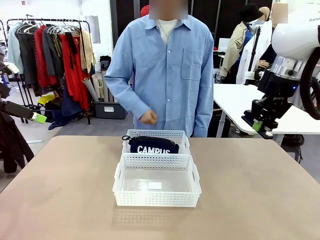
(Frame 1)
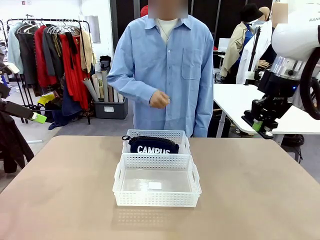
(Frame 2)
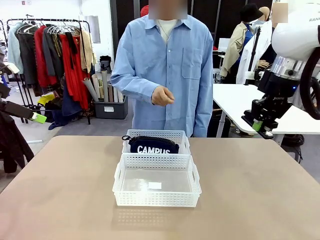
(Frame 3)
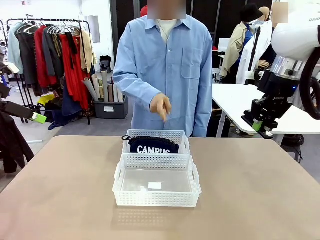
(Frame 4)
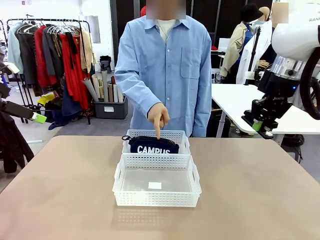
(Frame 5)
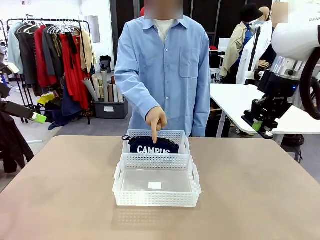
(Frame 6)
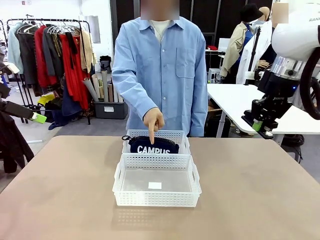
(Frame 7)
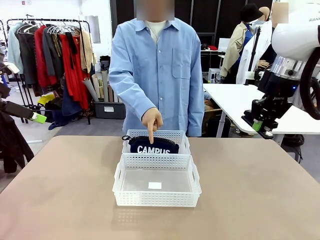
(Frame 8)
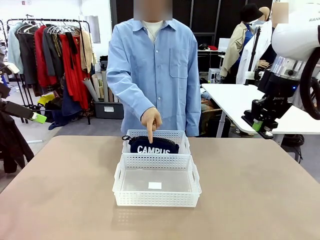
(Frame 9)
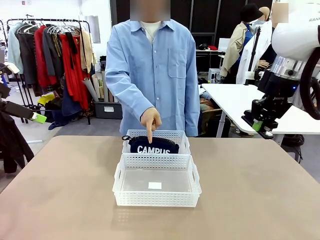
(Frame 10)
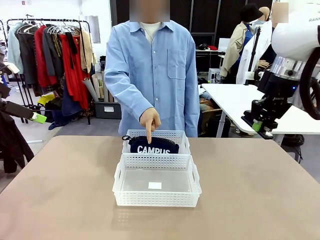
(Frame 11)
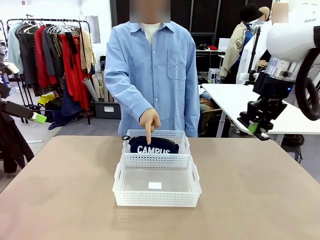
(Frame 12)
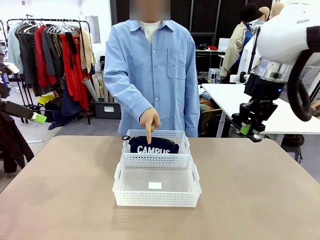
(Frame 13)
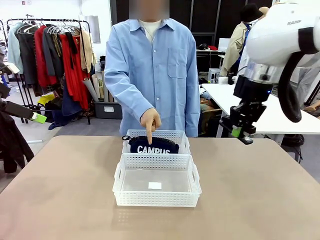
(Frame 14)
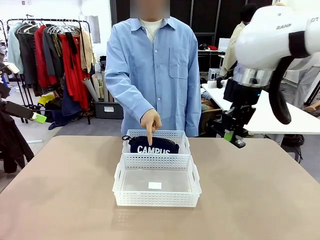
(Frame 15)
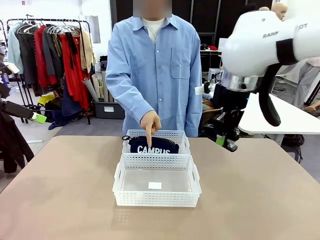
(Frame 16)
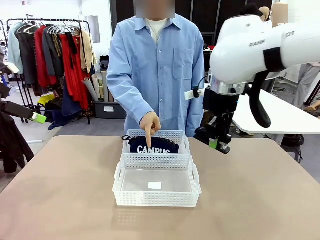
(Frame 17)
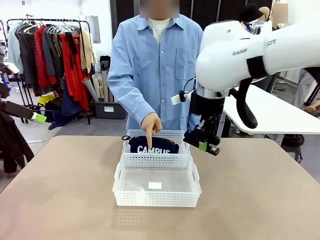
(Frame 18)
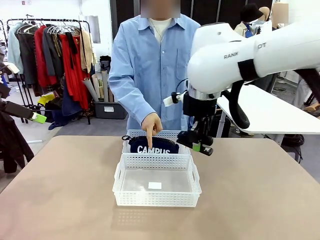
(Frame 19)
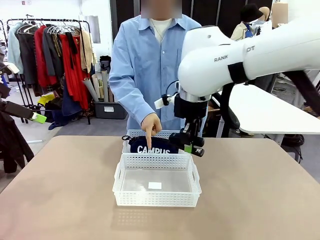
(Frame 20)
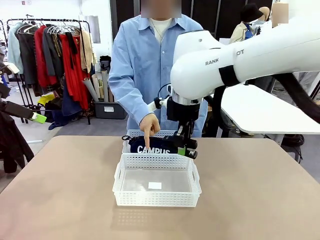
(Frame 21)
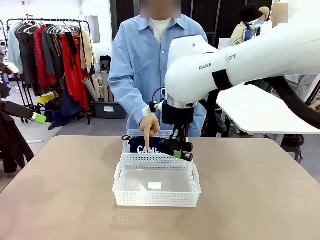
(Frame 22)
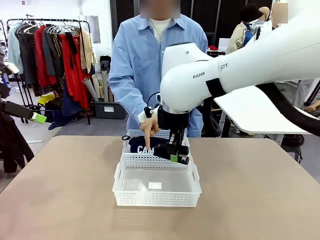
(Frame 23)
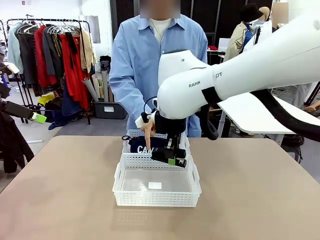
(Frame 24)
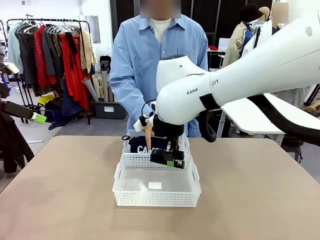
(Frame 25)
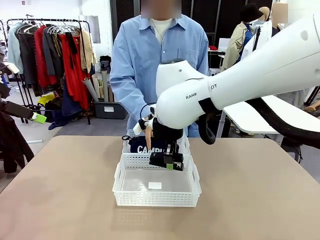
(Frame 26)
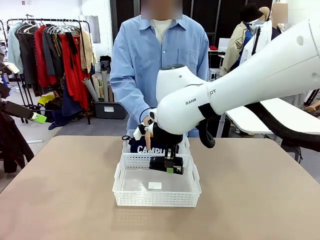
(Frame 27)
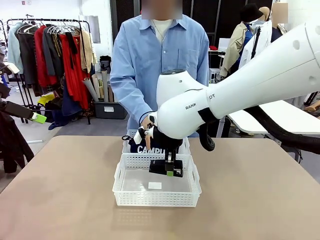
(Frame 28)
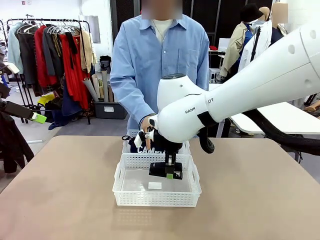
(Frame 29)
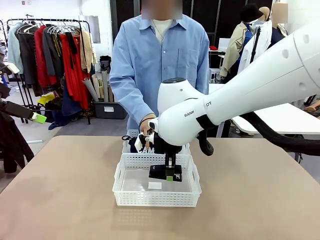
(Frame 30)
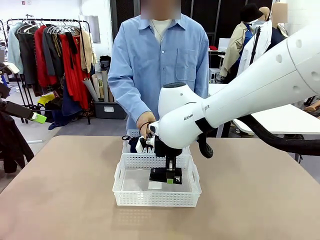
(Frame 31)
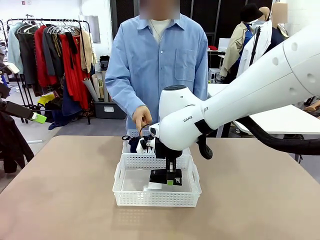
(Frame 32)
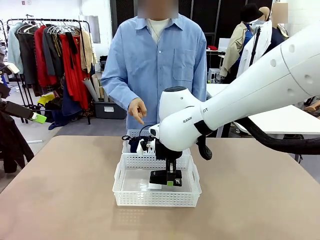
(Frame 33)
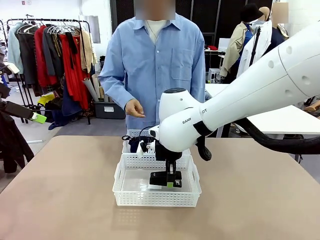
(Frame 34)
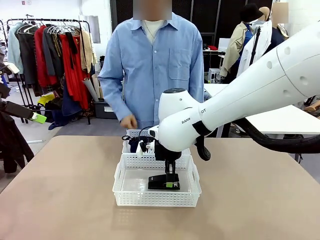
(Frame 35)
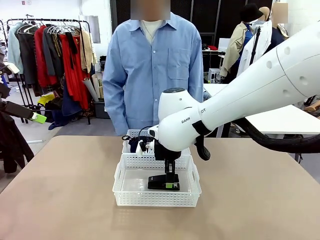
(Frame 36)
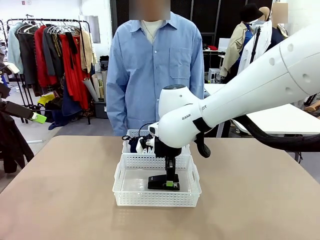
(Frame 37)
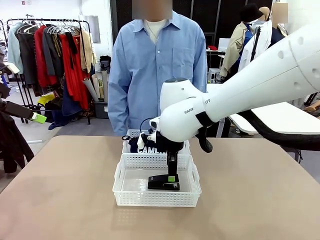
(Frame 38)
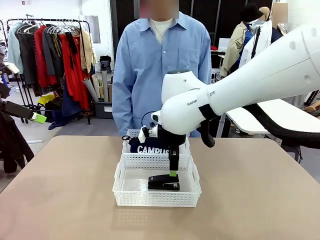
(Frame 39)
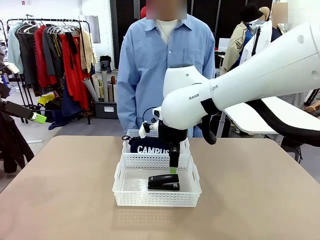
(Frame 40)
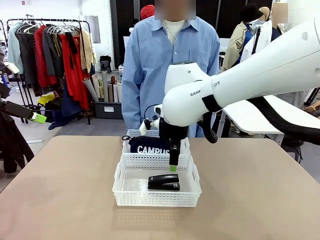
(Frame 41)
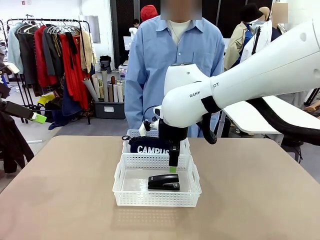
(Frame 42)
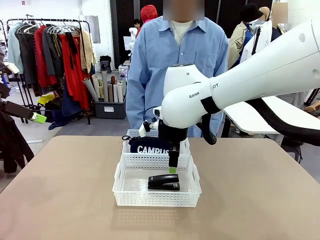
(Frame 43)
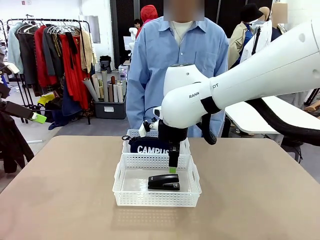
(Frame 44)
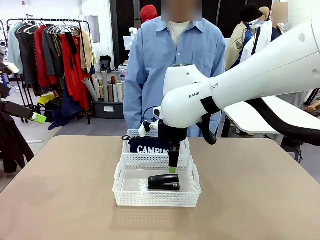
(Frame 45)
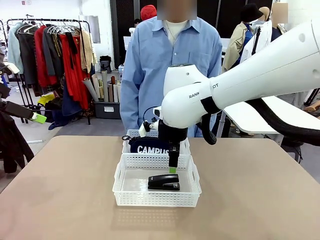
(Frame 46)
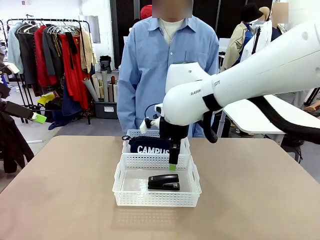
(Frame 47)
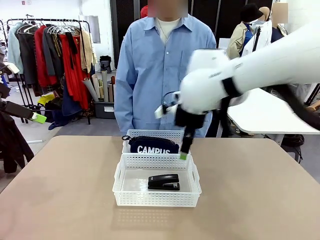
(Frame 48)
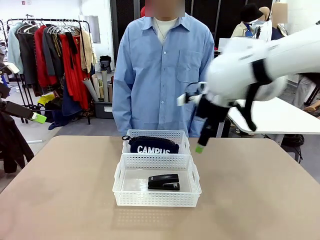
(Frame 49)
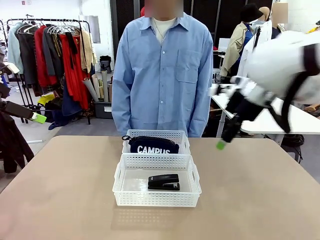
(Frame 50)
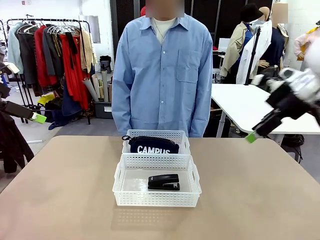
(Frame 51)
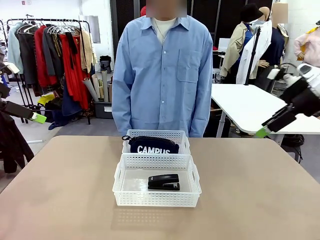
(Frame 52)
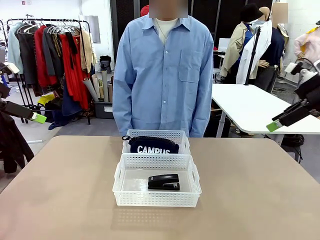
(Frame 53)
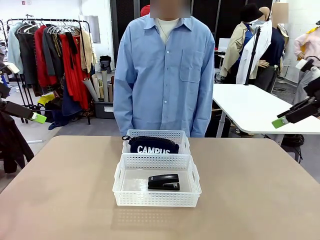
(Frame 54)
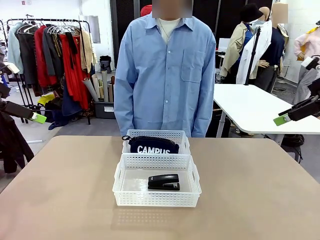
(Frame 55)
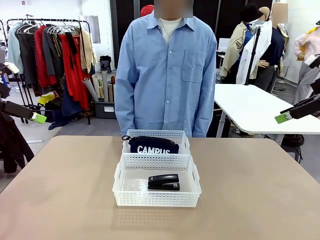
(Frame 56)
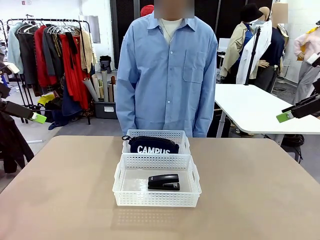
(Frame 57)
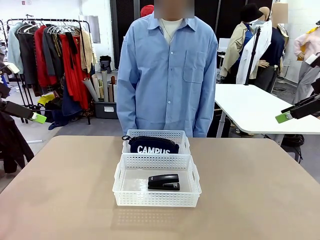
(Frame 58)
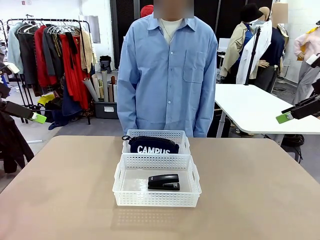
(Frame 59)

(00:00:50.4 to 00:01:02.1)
Task: Distribute items into two baskets.
Robot: Place the picked Stapler into the Organizing basket as instructed by the person.
Person: Points to the basket that does not contain the pencil case and instructs the robot to move the stapler there.

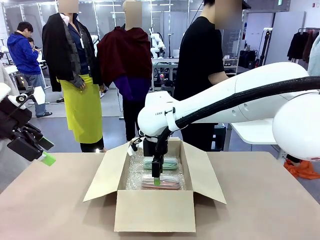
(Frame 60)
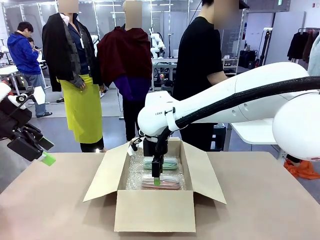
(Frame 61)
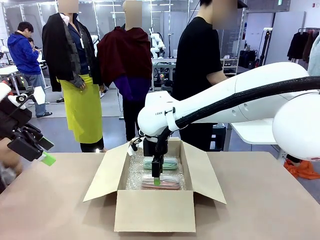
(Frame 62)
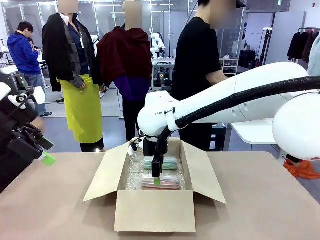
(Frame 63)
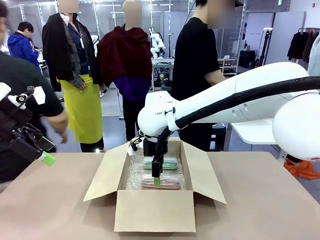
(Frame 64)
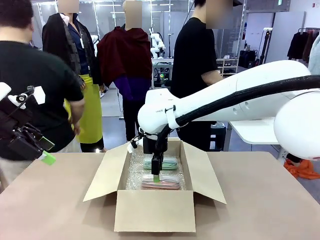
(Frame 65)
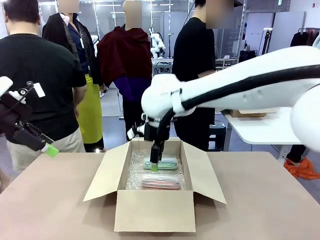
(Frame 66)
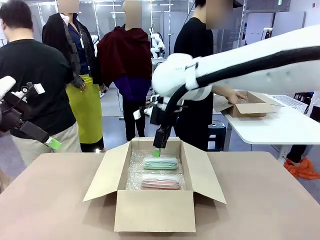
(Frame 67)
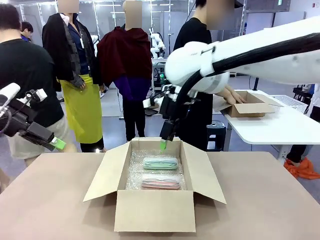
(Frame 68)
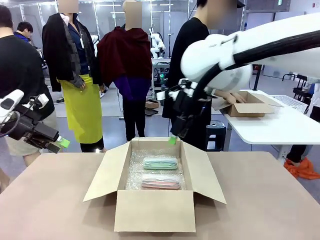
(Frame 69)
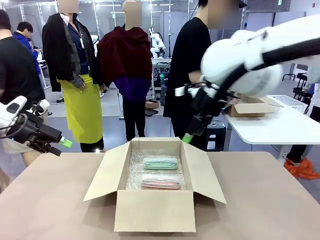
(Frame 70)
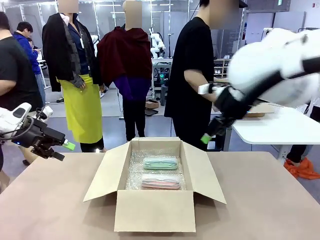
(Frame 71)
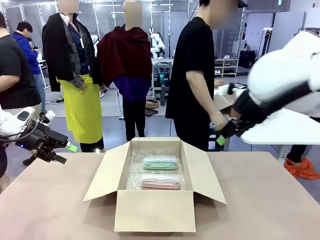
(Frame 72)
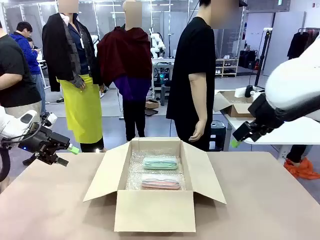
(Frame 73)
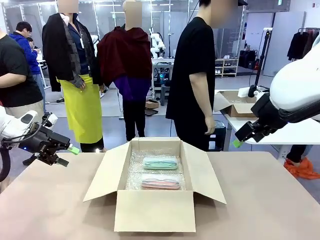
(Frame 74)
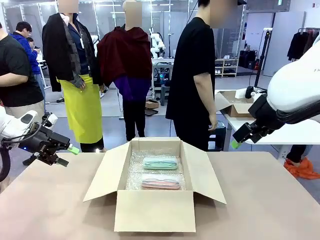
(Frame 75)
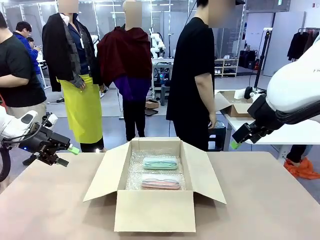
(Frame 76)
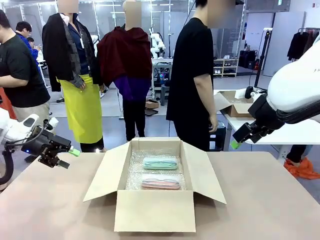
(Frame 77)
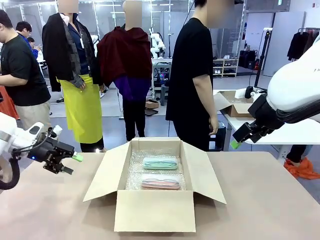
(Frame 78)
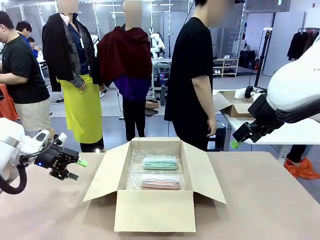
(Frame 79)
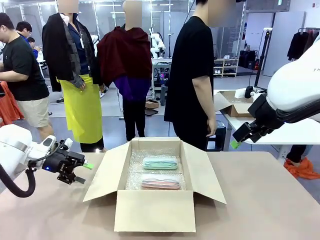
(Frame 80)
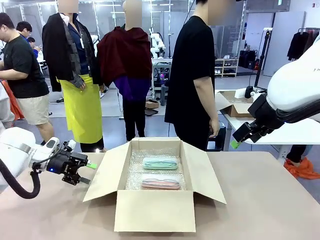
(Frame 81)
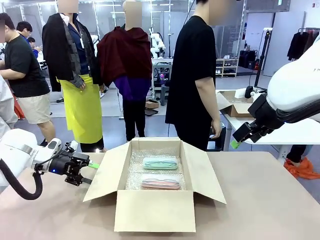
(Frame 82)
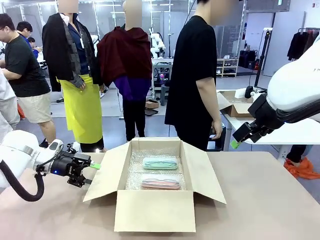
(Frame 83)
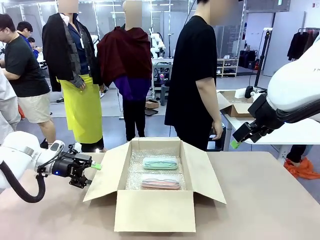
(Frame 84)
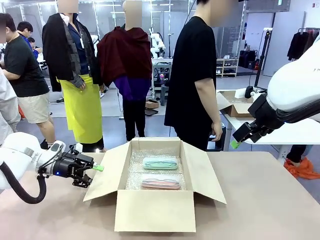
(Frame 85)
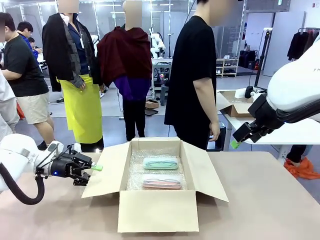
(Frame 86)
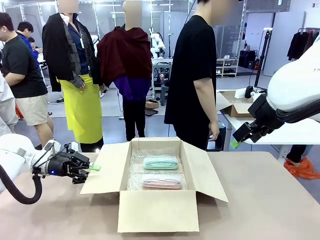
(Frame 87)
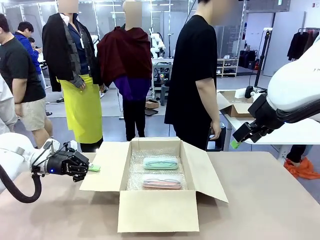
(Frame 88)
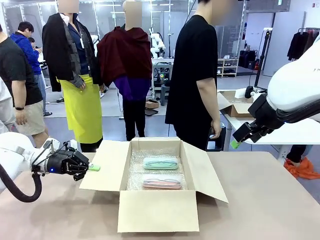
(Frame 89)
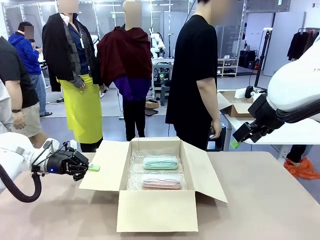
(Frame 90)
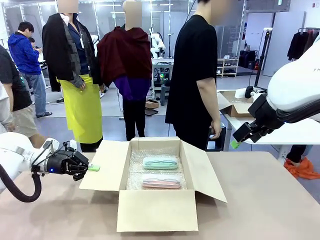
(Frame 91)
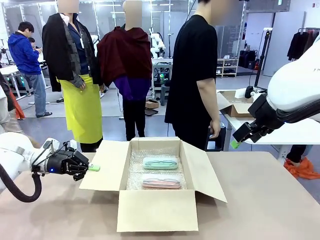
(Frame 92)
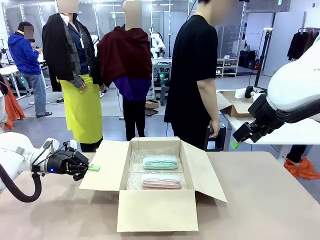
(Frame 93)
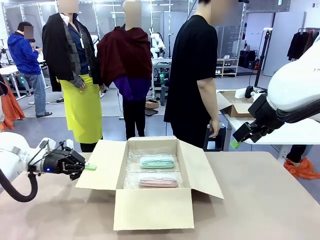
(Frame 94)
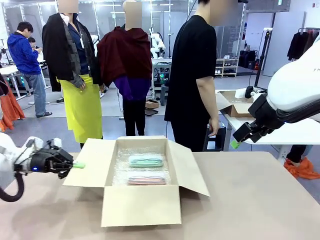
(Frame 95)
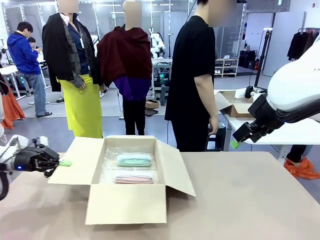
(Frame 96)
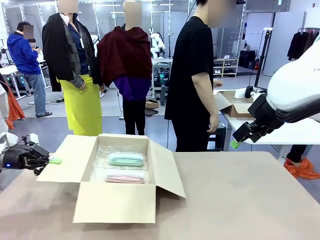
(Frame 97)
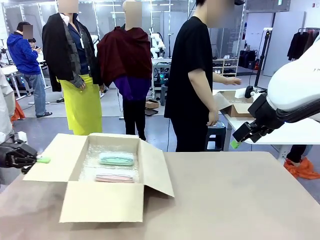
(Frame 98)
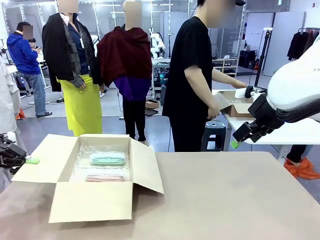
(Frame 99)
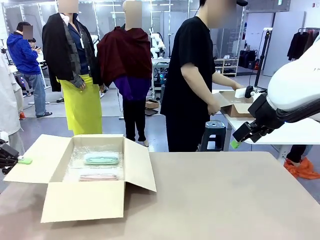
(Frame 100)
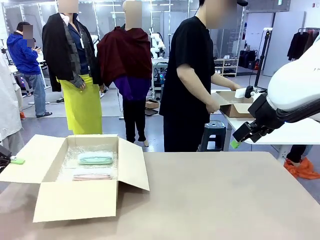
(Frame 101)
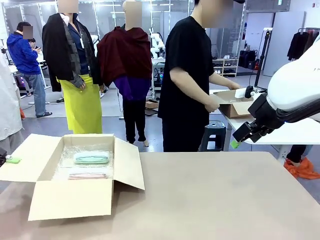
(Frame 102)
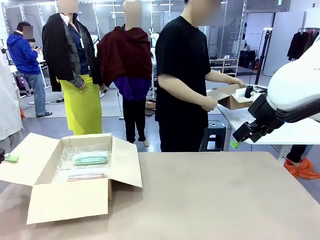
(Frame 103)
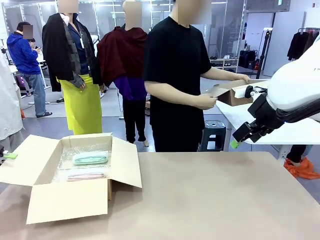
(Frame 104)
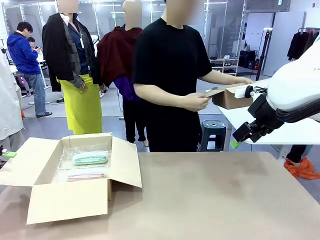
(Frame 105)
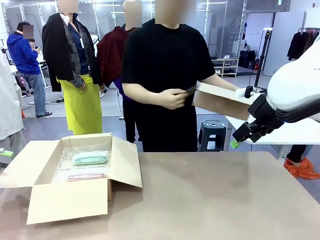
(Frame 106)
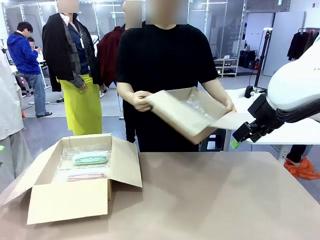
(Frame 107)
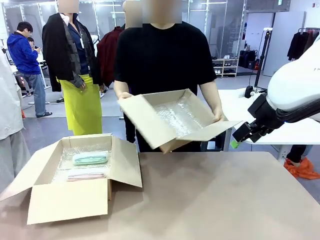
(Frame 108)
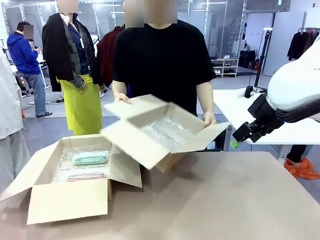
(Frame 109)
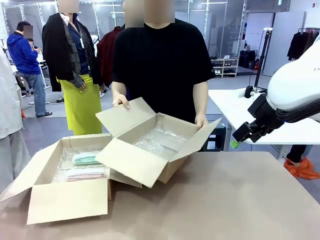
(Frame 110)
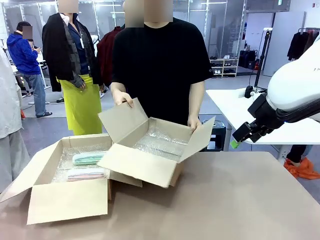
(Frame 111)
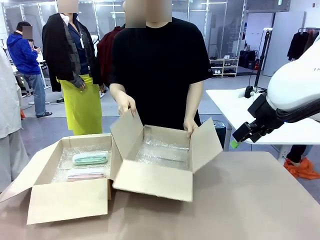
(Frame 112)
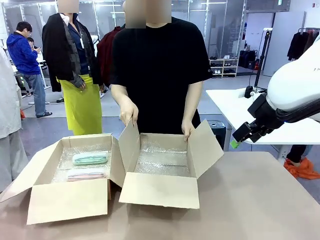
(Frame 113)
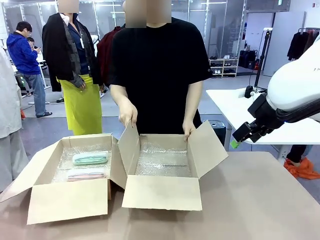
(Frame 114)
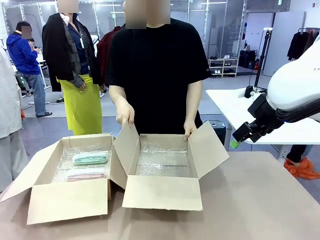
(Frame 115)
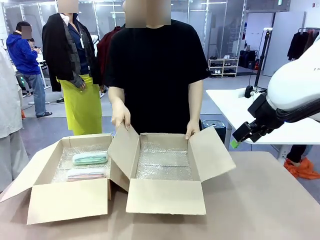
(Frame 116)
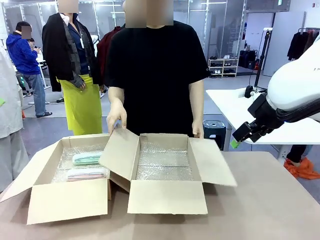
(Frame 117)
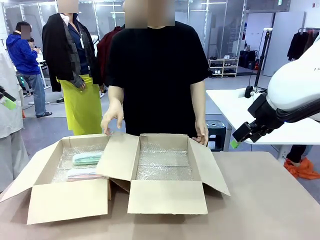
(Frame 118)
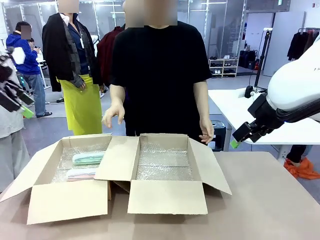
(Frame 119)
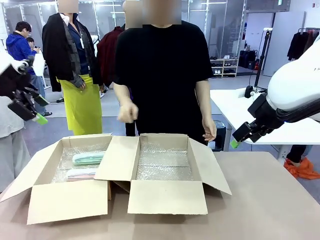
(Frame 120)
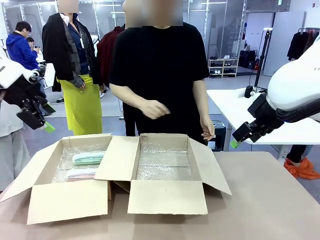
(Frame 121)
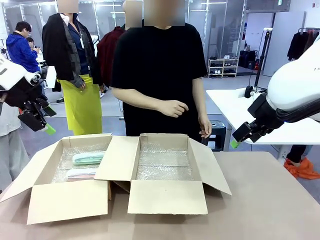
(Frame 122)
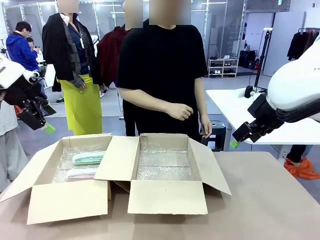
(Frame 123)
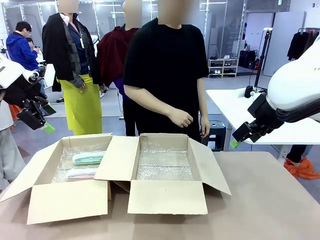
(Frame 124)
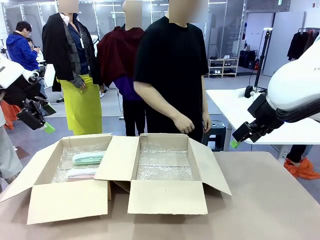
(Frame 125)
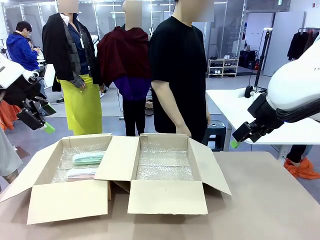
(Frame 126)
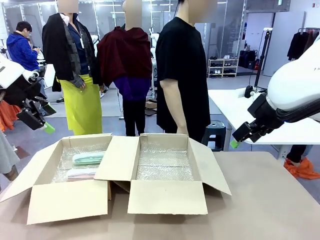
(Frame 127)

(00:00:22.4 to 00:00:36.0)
Task: Pack the glasses set securely to prepare it for shipping.
Robot: Position the Package Box on the left side of the table.
Person: Position the empty Package Box in the middle of the robot's table.
